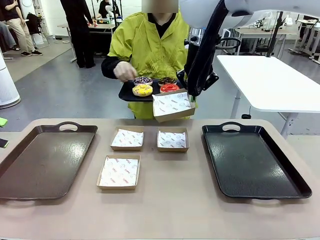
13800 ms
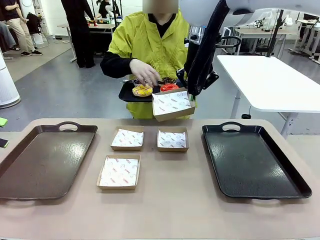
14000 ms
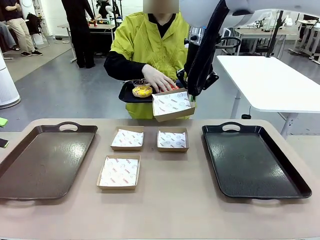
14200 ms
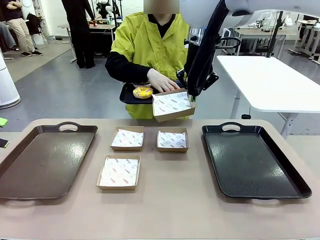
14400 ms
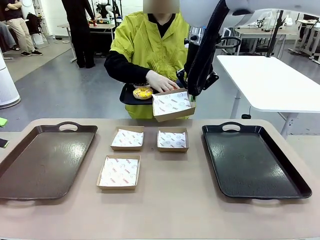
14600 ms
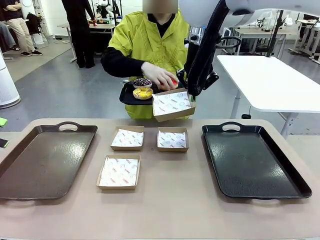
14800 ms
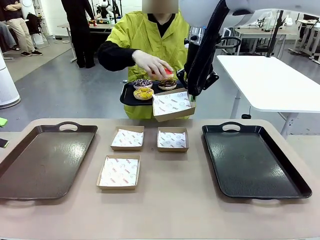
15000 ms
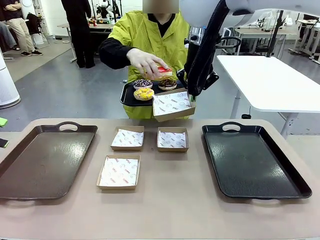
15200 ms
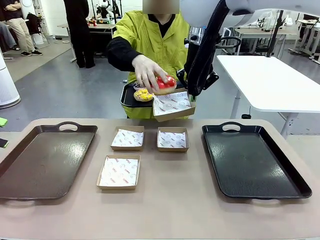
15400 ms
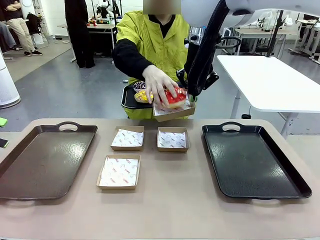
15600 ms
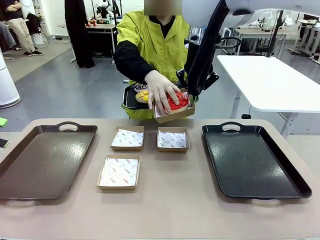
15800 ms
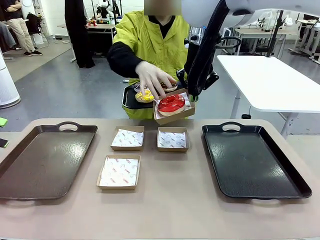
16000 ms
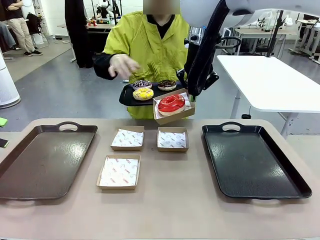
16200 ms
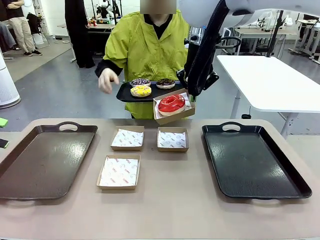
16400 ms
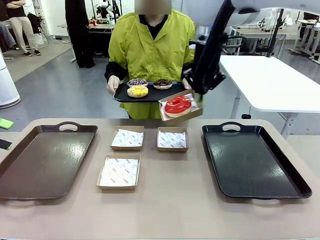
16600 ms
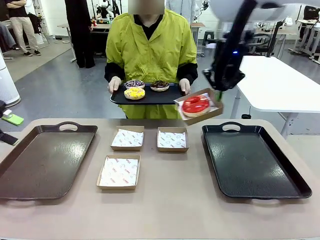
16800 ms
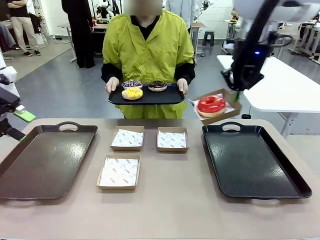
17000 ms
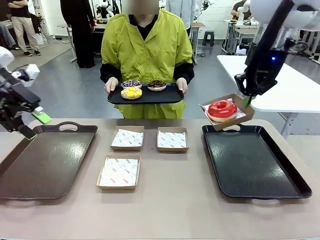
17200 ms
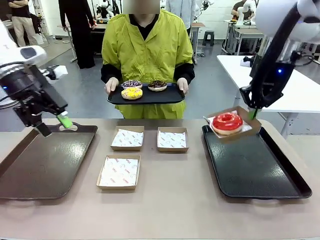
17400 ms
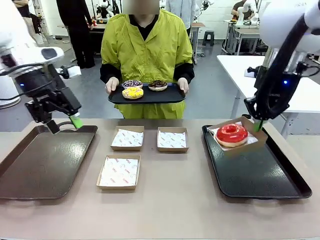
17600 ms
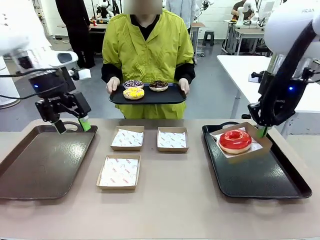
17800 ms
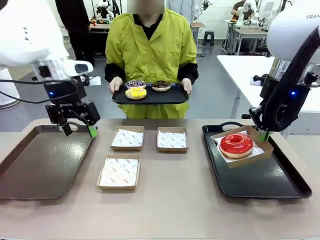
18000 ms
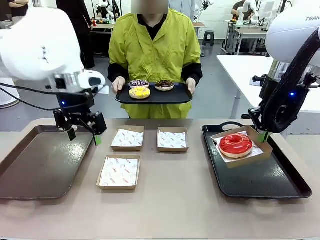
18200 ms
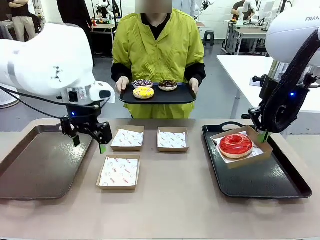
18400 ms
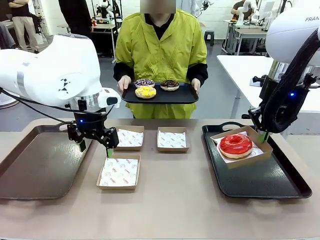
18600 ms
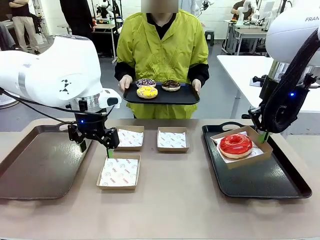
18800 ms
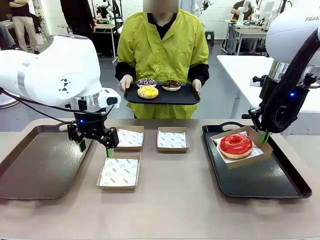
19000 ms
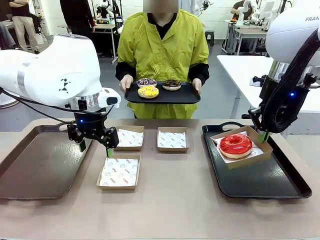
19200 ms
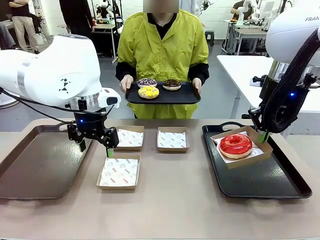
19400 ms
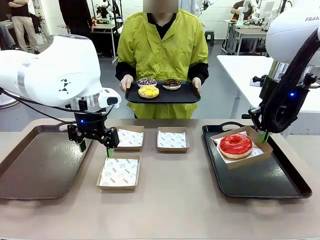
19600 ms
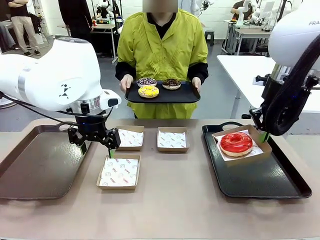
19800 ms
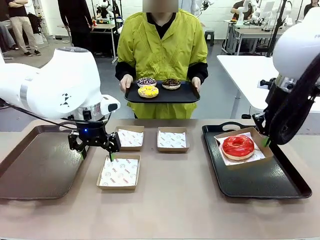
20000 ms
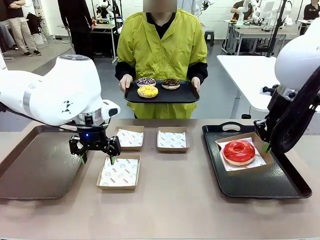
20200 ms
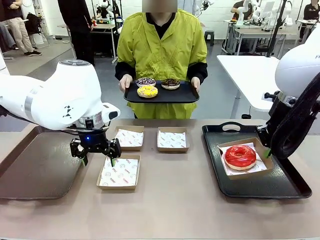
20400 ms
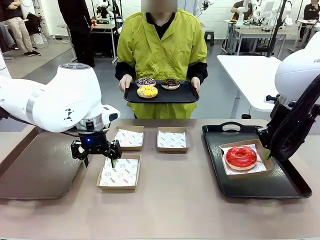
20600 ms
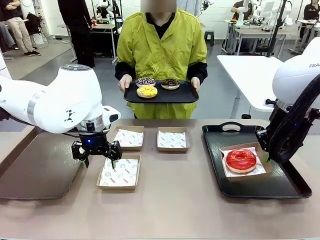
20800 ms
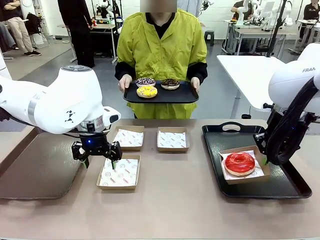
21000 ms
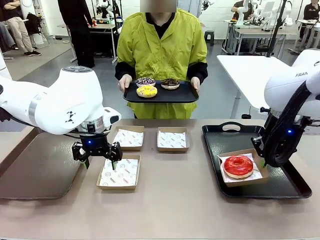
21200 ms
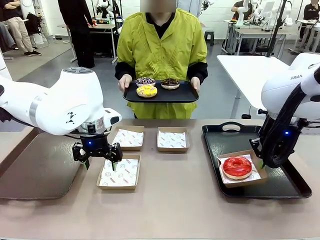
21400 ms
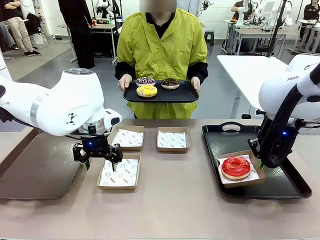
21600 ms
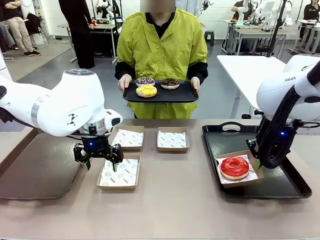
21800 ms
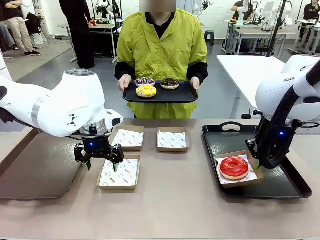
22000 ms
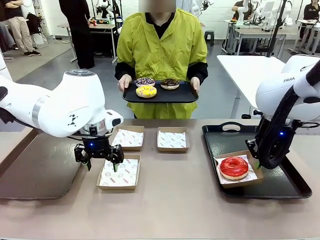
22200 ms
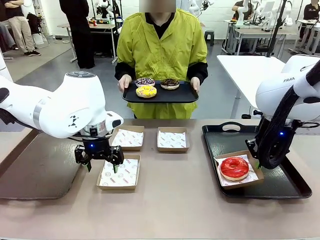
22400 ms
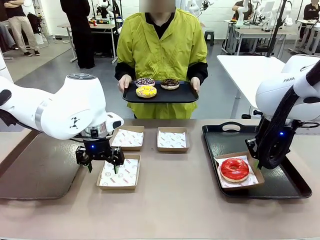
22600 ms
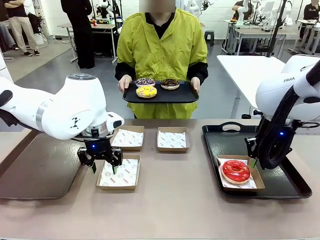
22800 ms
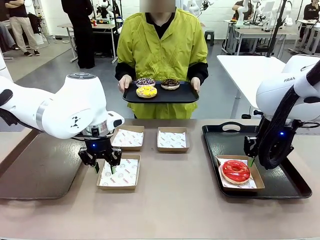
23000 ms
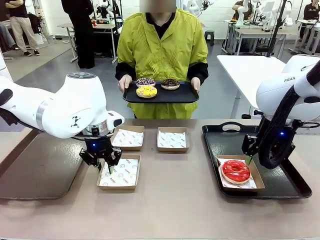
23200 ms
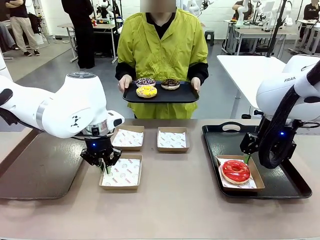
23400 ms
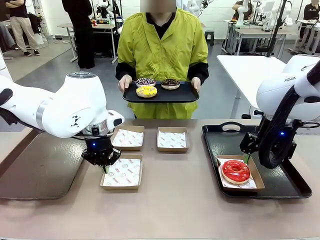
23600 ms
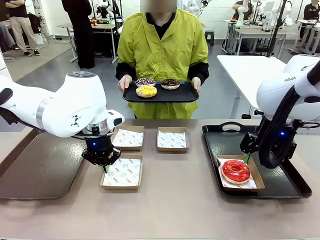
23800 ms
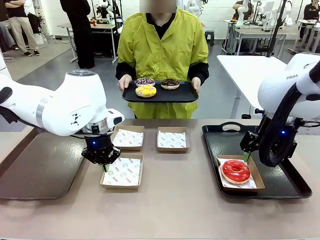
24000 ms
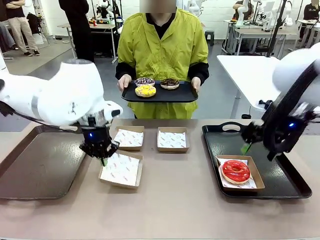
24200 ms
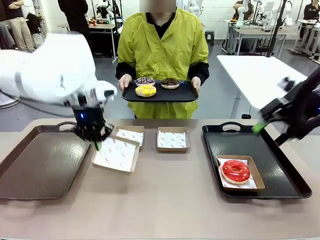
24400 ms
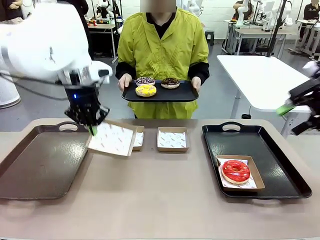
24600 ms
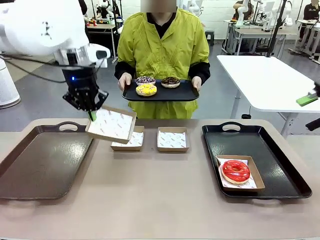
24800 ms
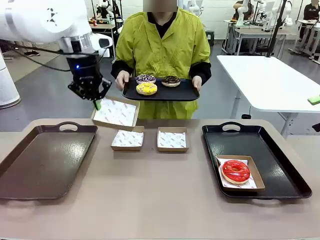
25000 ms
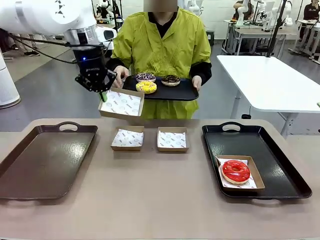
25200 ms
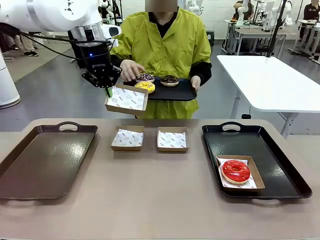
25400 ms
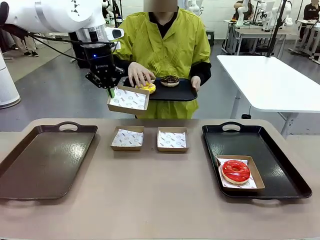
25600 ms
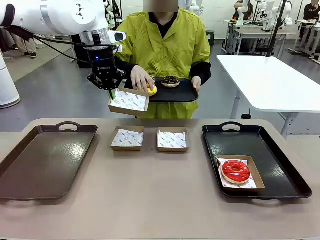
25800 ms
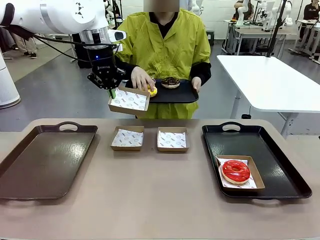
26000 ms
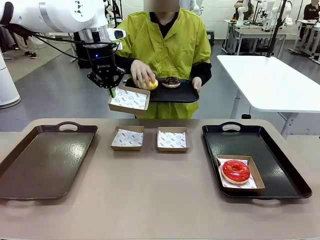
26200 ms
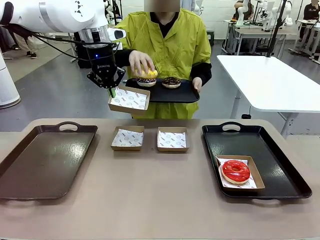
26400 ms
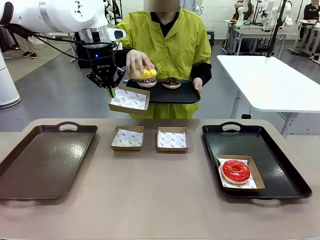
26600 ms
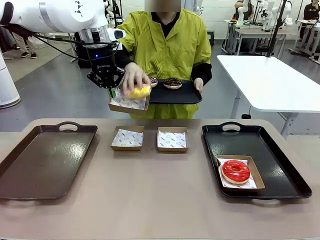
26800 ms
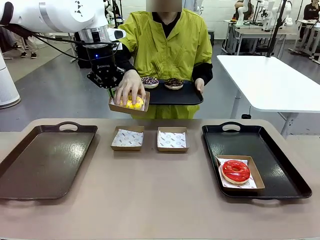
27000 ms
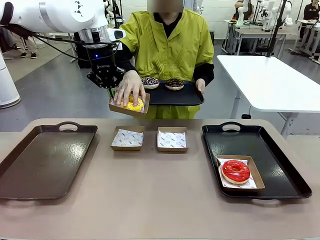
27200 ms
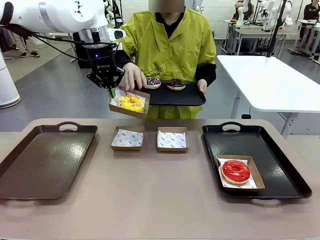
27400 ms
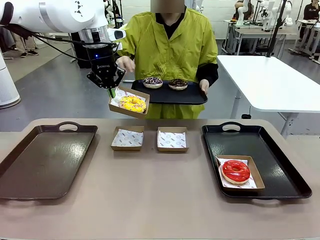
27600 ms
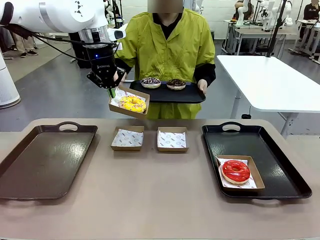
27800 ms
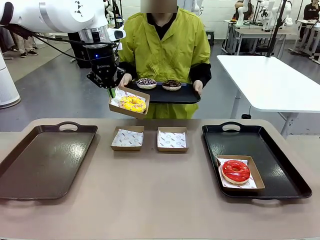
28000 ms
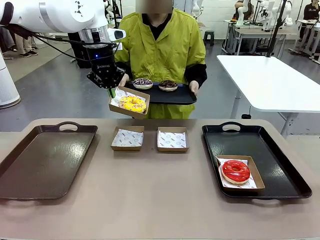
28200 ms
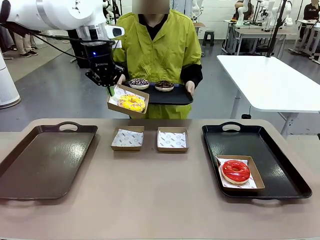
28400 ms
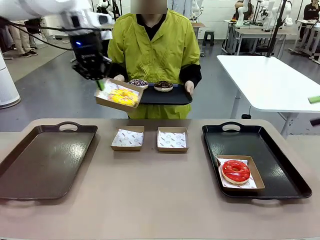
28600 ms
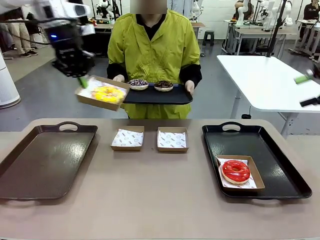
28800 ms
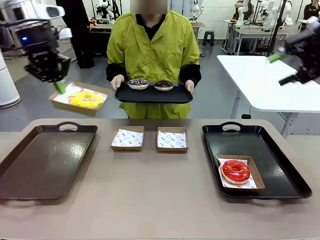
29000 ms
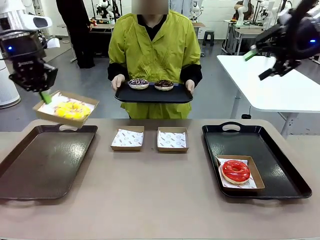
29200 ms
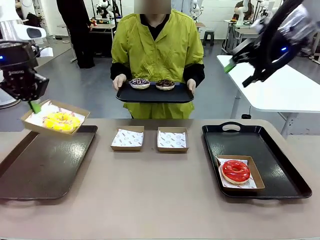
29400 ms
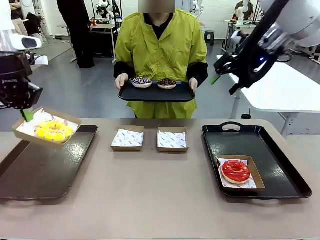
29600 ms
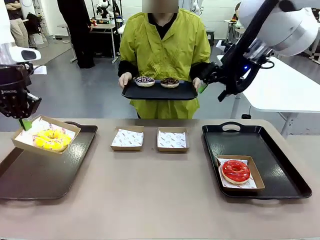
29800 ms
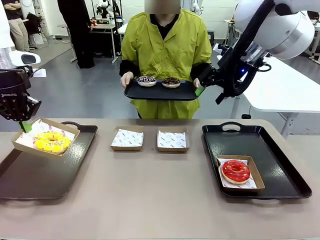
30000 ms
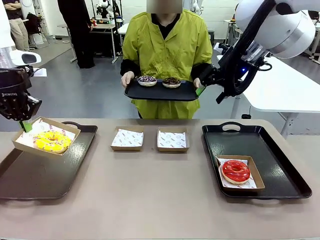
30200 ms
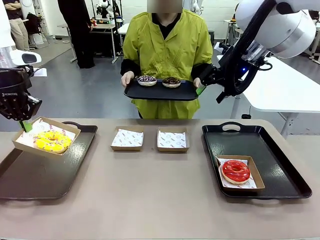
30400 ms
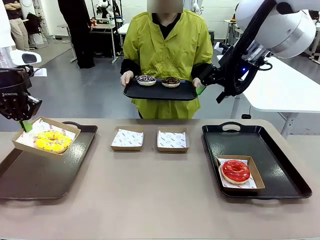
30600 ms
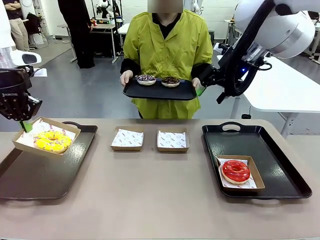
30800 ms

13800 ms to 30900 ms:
Task: Individually package the donuts and arrange them on the tray.
Robot: Place the picked Paper togo box on the Handle tray while simultaneously picking up another Paper togo box from the table with the other hand.
